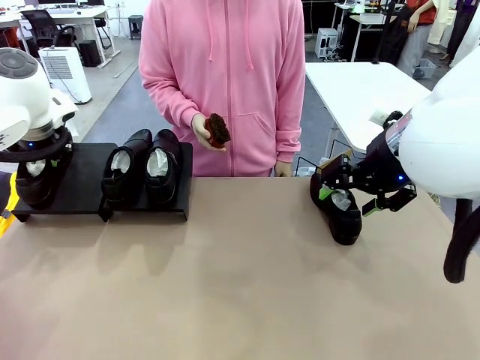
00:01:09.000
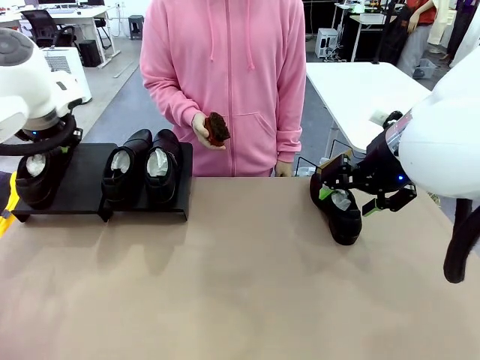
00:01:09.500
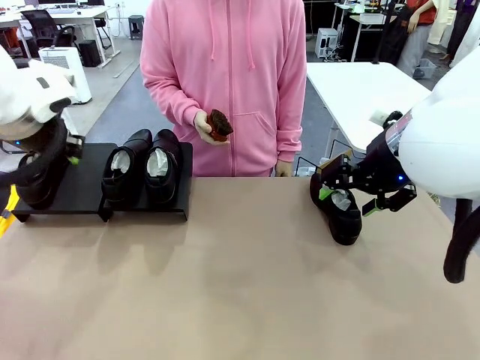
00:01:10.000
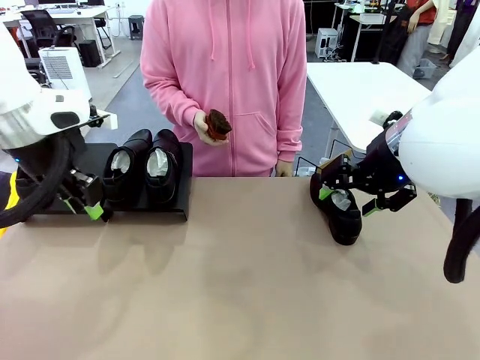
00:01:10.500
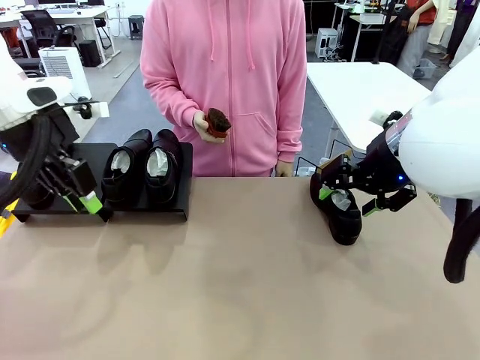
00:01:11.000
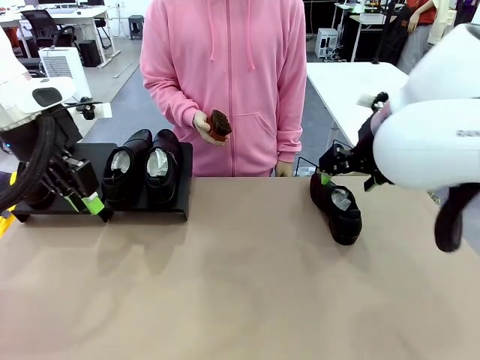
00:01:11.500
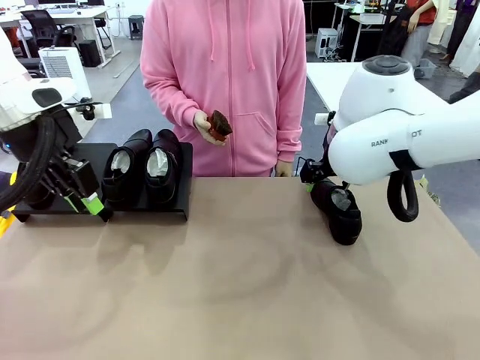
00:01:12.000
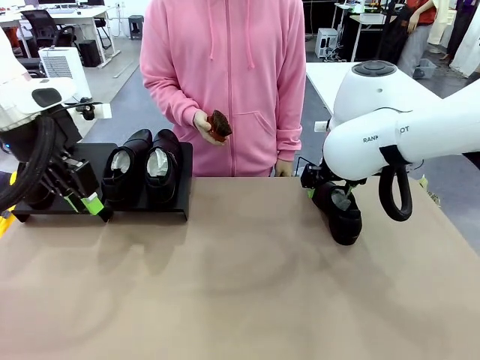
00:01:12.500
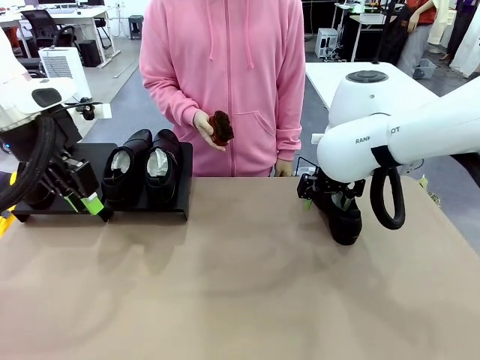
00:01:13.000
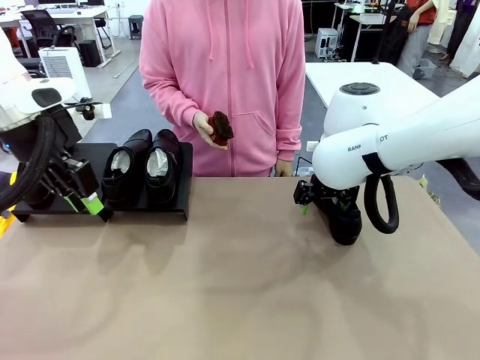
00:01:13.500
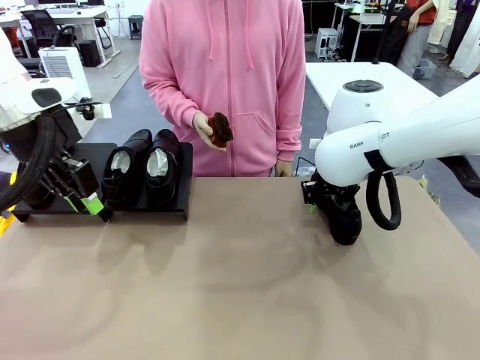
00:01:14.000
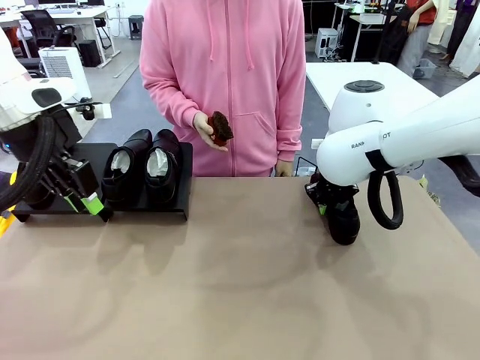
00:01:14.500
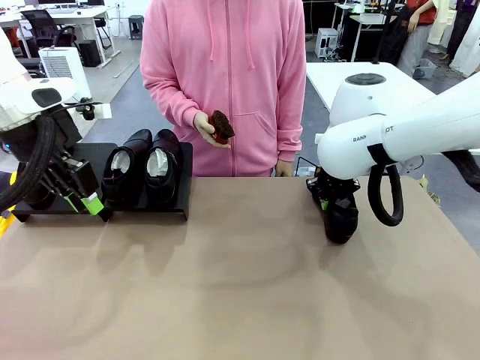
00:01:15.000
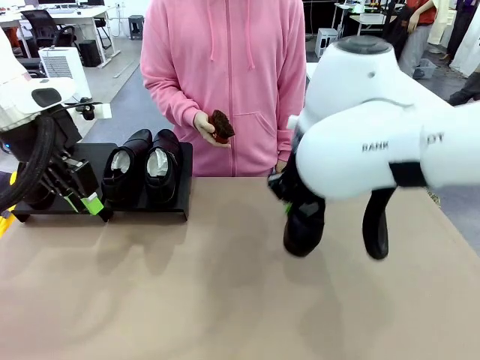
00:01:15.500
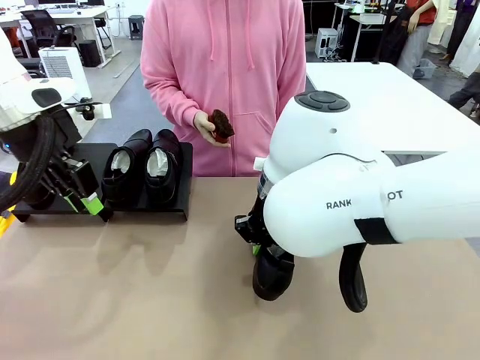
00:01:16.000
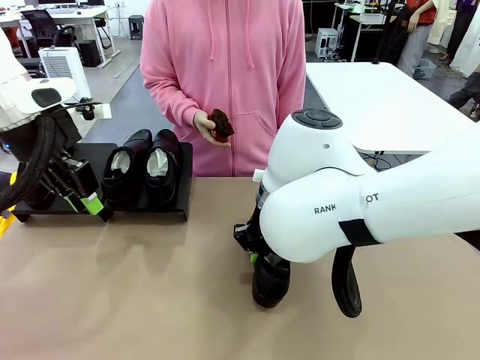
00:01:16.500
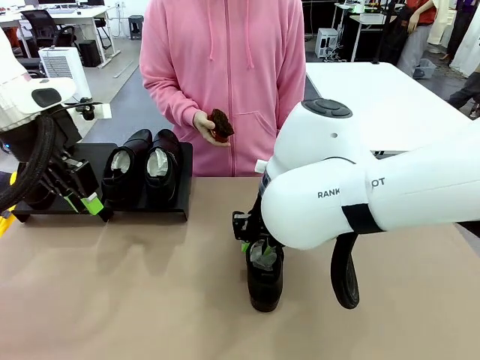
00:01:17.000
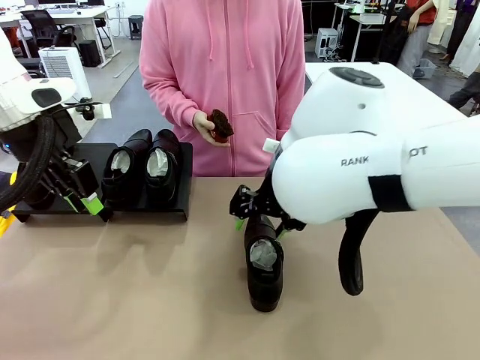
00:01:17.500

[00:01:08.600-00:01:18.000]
Task: Organize the shoes by placing them on the stand.
Robot: Pick up one Shoe and place it in the middle of the table.

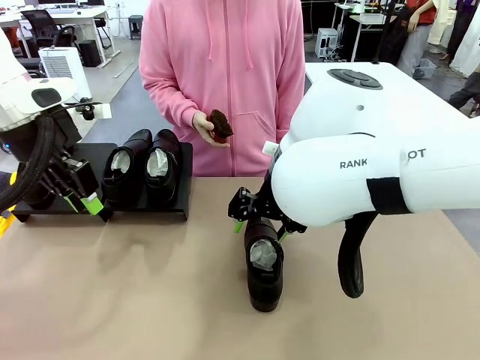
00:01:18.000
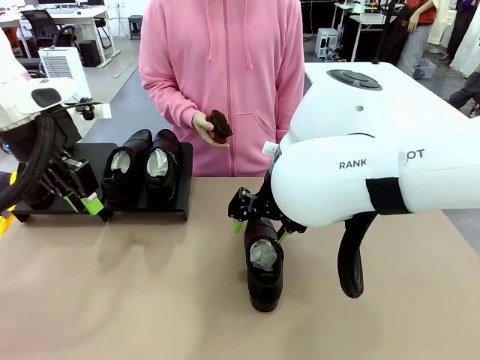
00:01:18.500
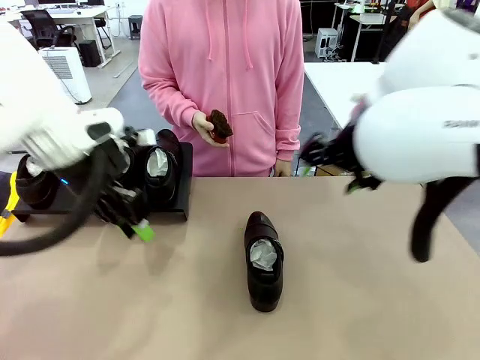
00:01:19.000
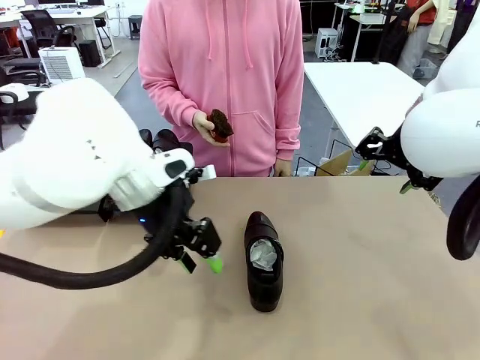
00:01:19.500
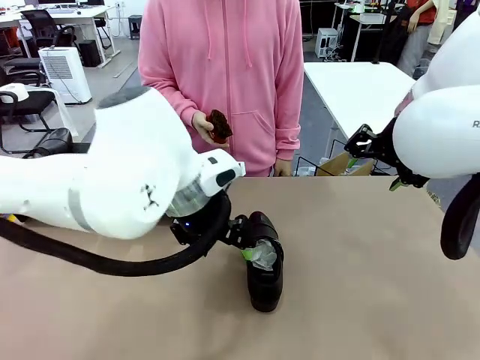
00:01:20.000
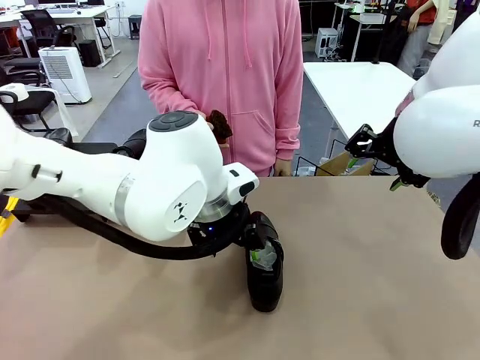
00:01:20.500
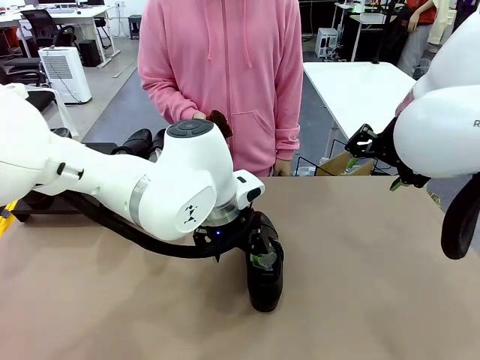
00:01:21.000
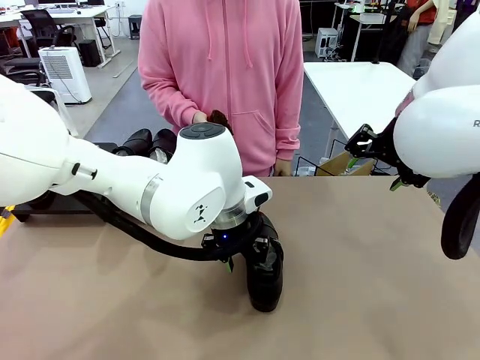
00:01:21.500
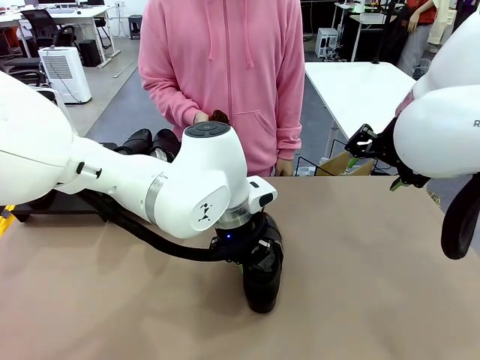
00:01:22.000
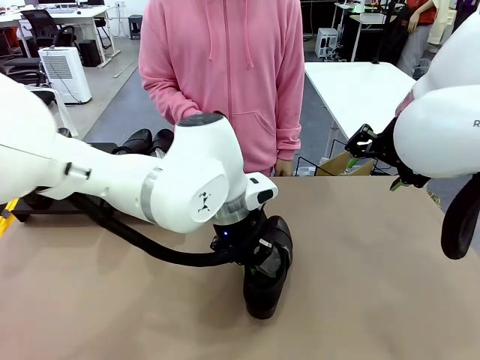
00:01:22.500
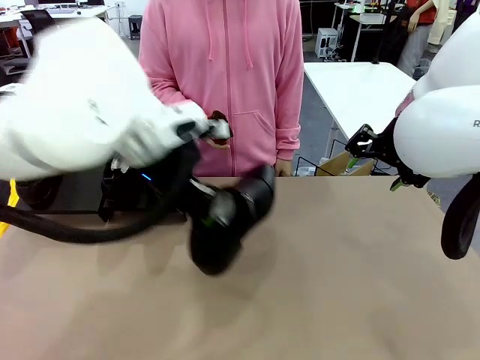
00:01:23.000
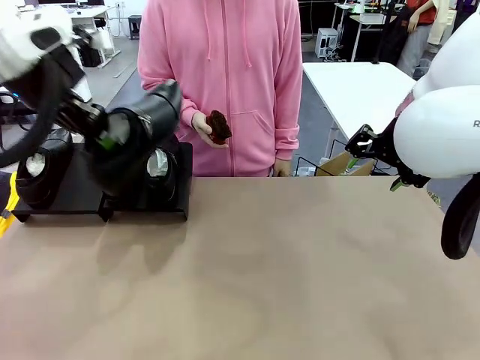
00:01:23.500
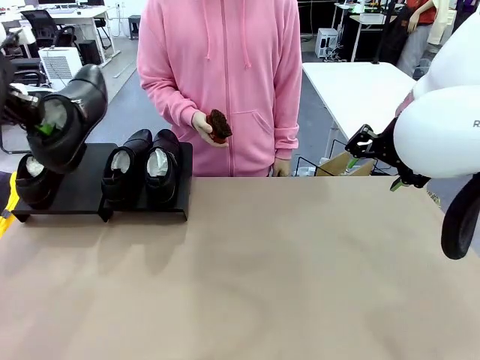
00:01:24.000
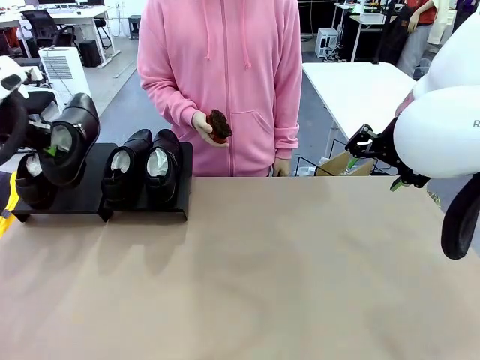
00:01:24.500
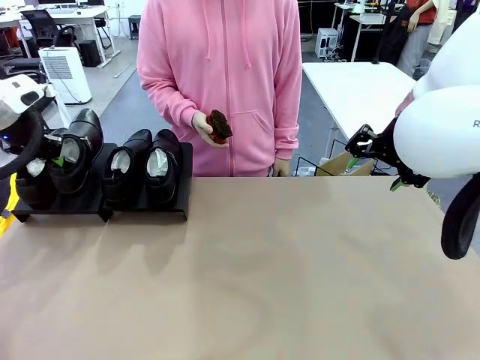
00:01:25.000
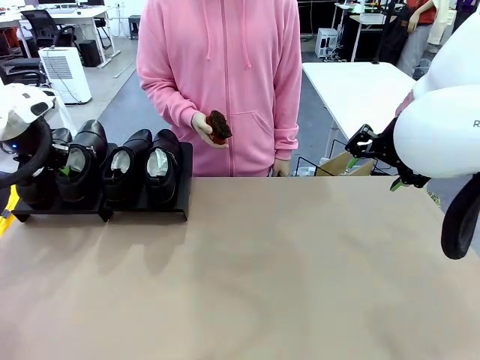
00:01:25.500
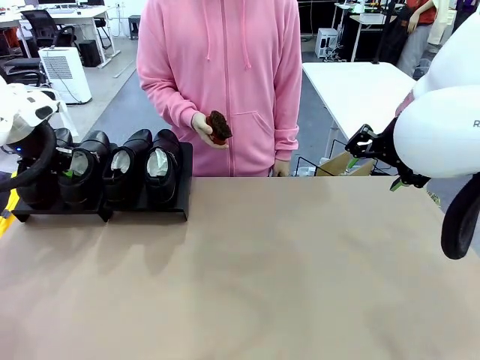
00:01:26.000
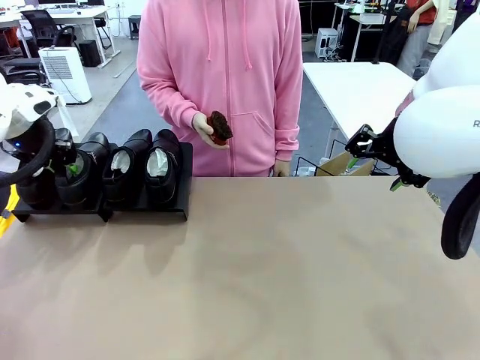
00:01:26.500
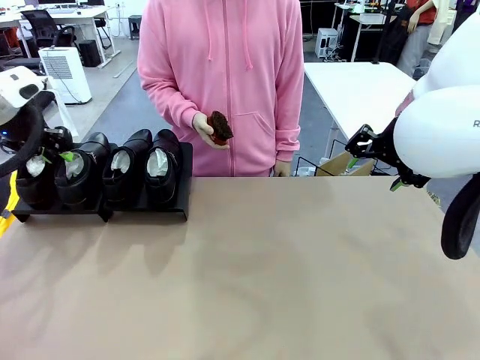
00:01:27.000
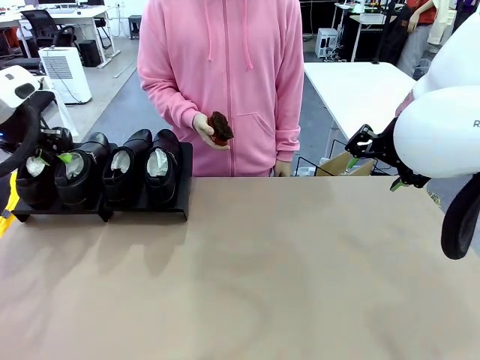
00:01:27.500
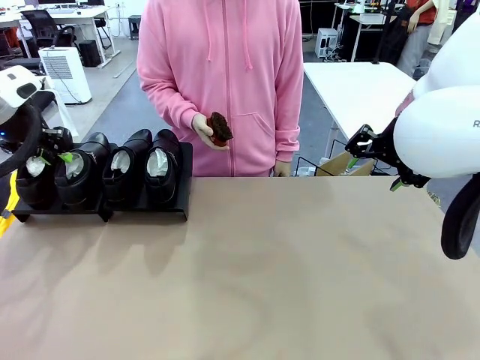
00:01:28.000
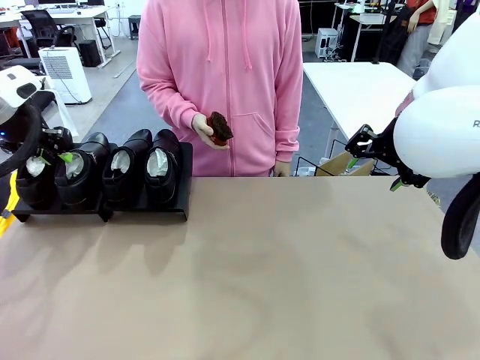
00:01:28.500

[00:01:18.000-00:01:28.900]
Robot: Place the Shoe from the middle of the table onto the Shoes Stand.

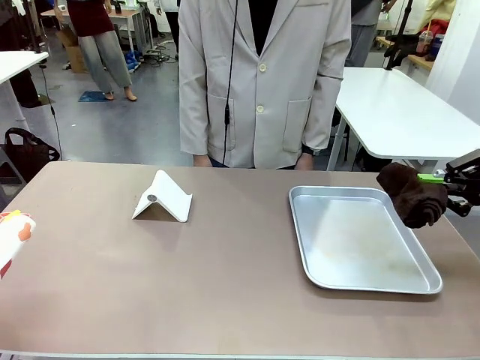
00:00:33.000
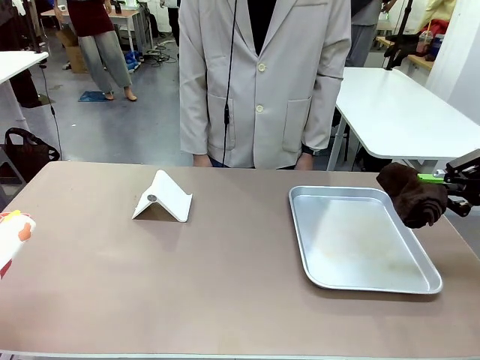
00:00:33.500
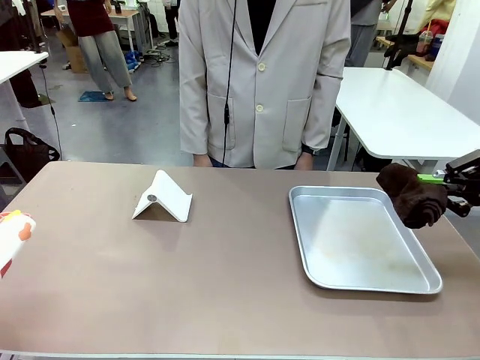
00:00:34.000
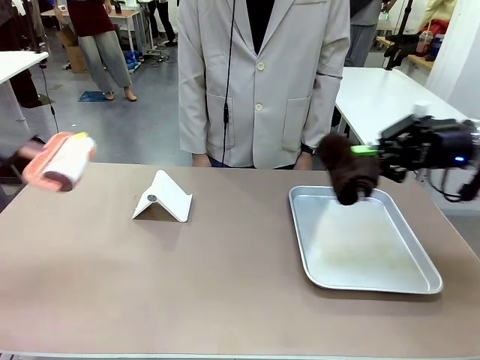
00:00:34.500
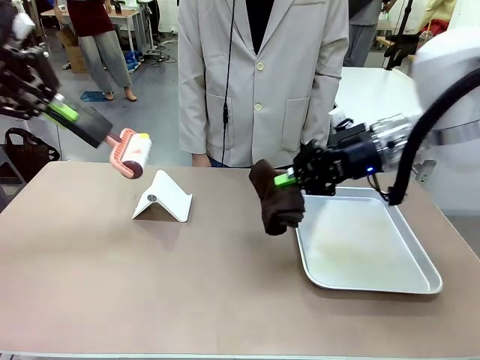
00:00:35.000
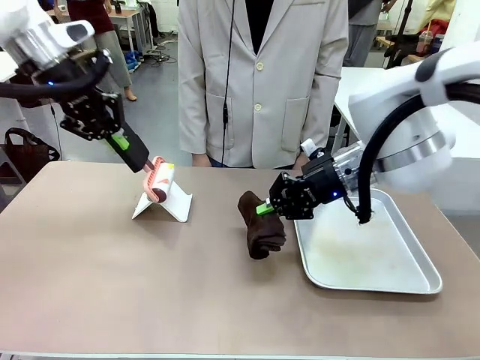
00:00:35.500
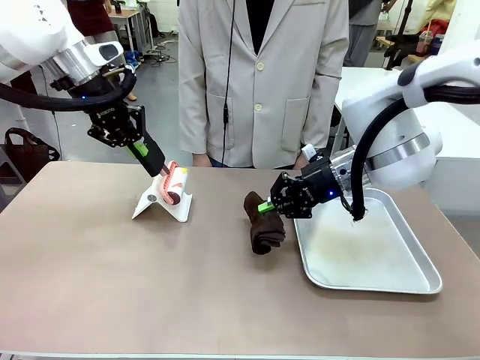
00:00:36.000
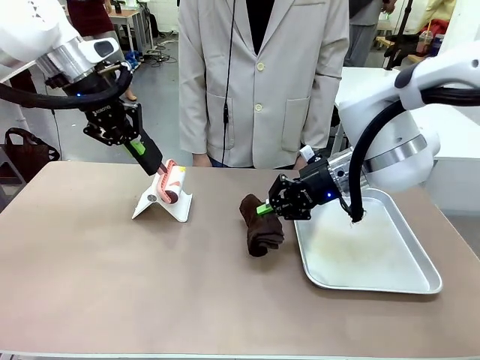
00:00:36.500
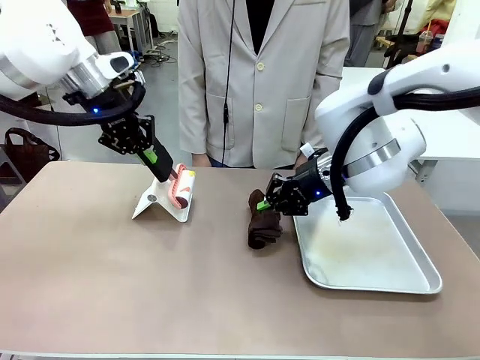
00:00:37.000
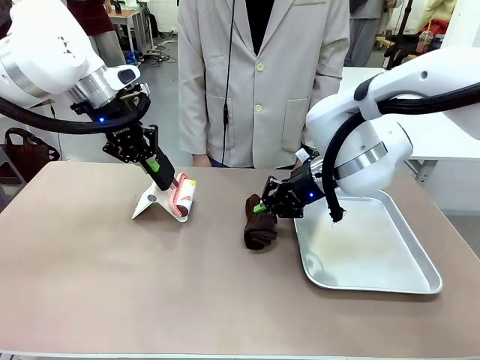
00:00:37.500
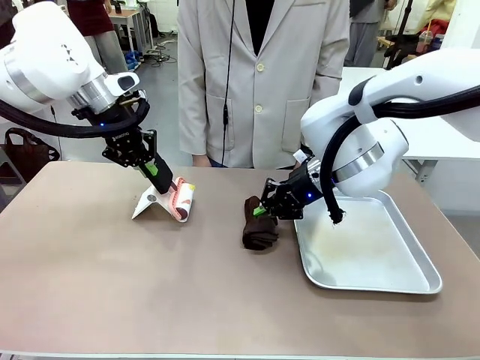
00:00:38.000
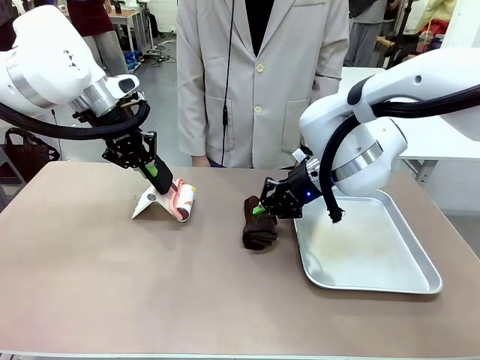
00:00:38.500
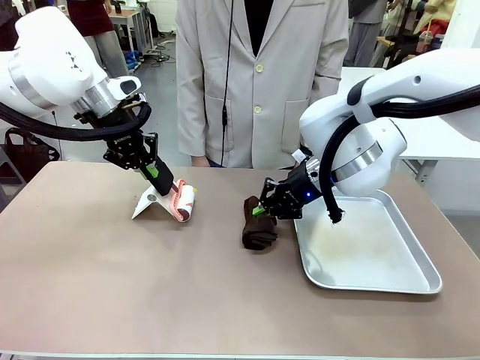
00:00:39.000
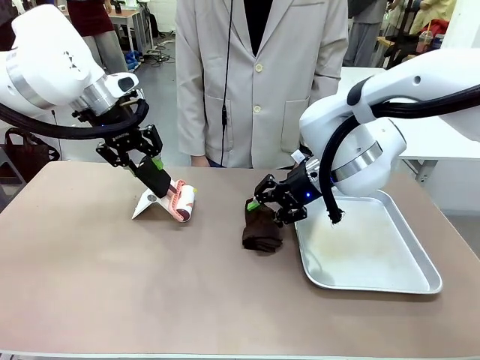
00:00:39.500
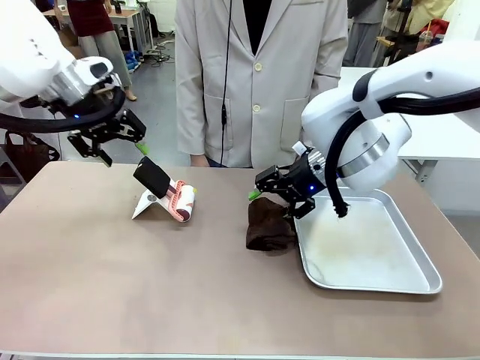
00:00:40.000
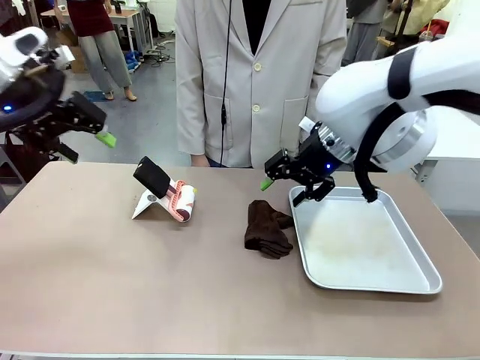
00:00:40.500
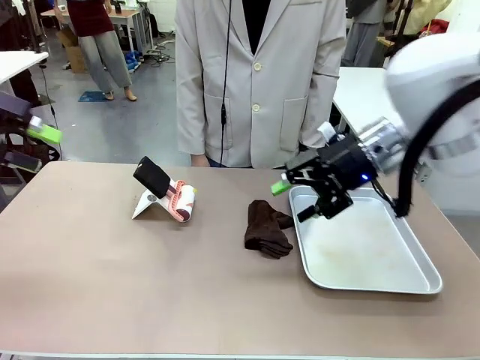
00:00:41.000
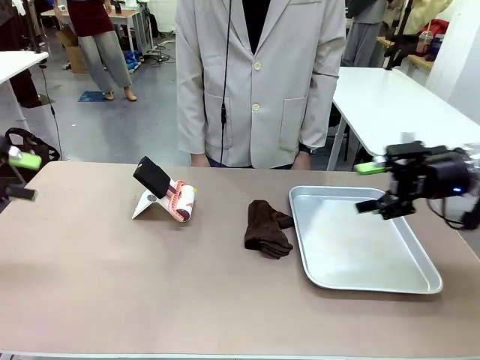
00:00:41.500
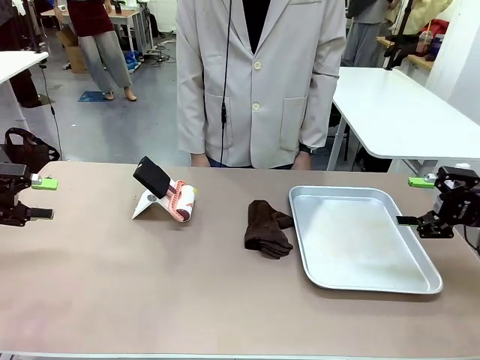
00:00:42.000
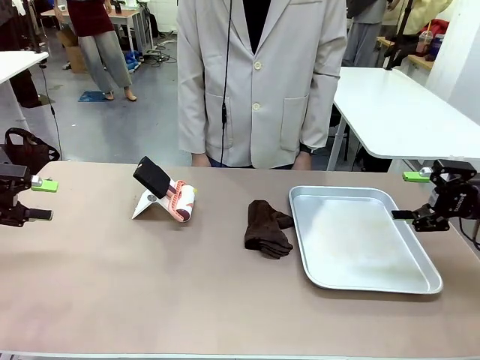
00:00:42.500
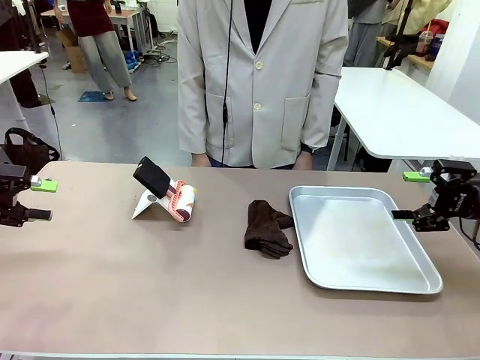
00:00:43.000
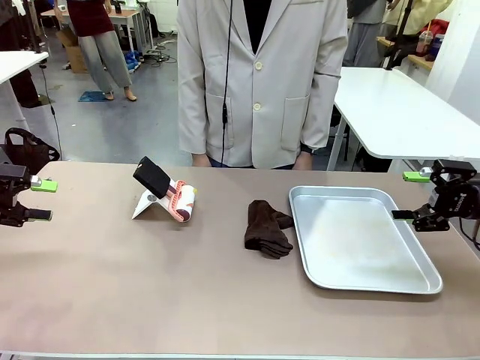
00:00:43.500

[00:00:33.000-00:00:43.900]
Task: Clean the surface of the table.
Robot: Return the Lint Roller and towel to their original positions.
